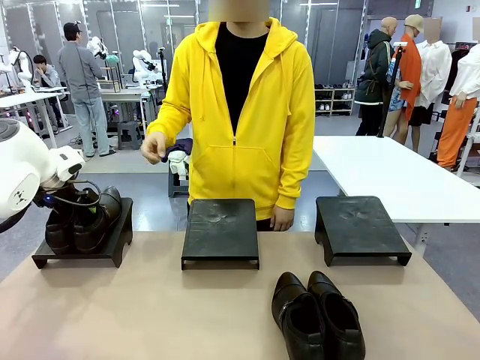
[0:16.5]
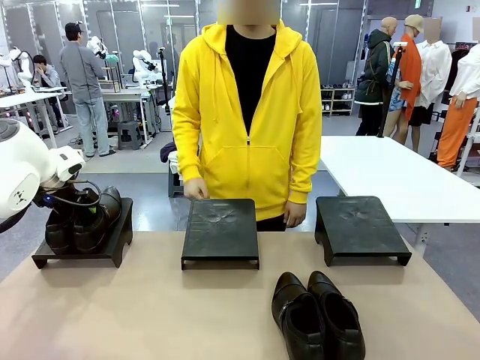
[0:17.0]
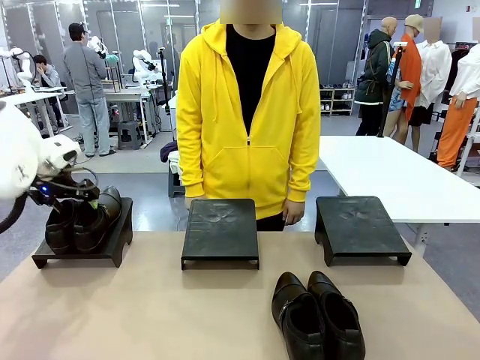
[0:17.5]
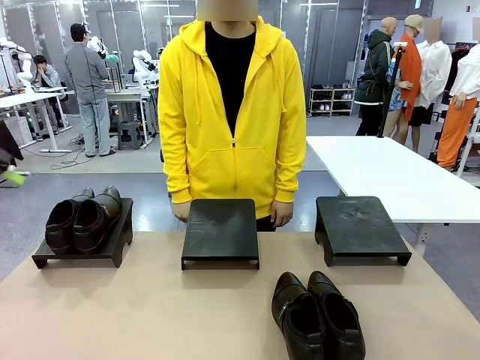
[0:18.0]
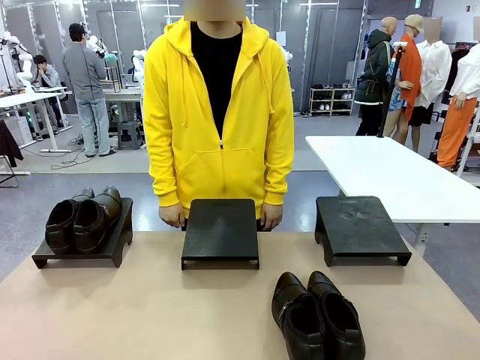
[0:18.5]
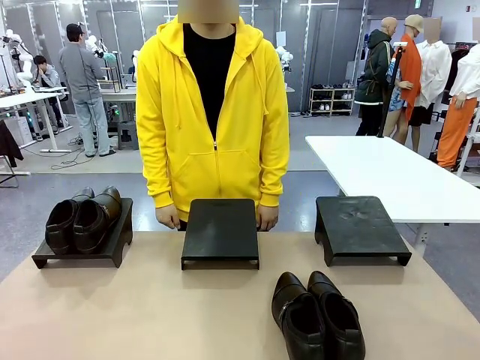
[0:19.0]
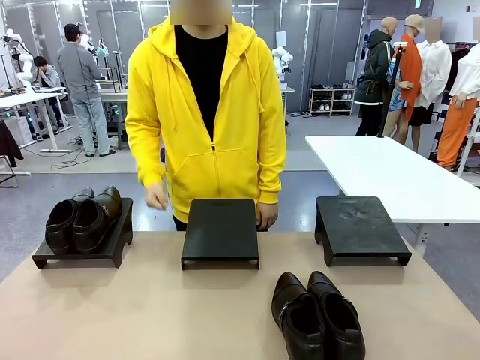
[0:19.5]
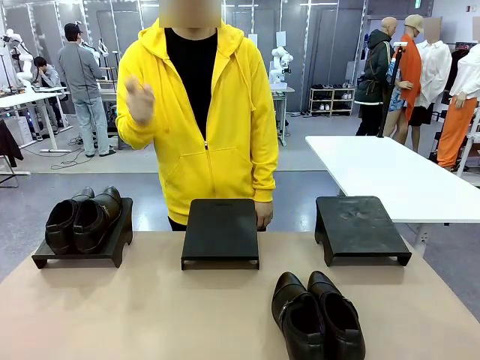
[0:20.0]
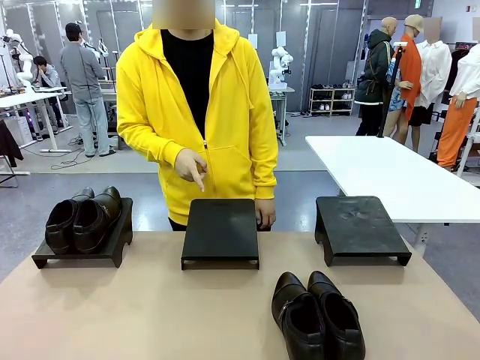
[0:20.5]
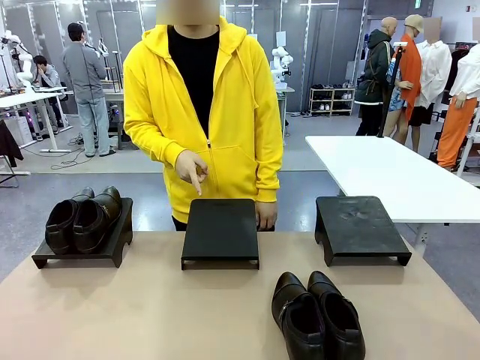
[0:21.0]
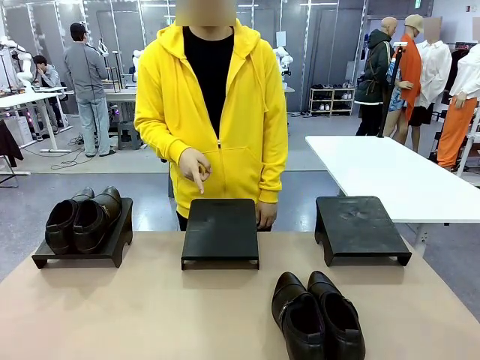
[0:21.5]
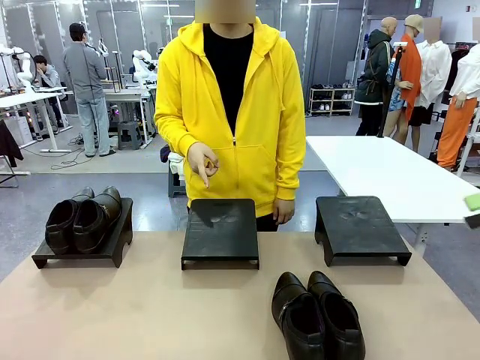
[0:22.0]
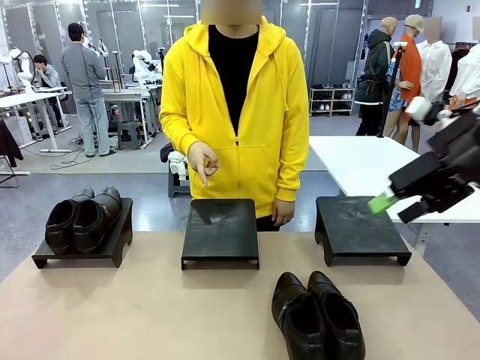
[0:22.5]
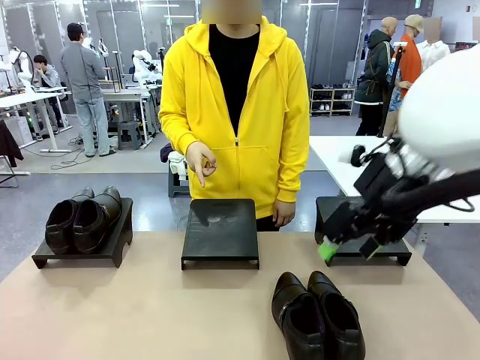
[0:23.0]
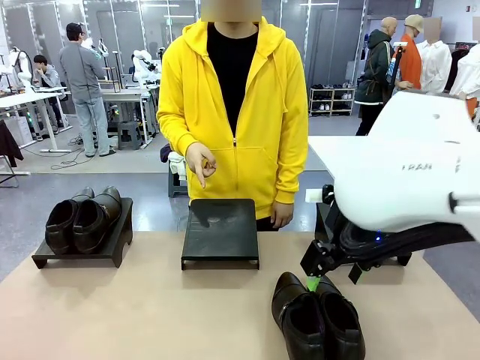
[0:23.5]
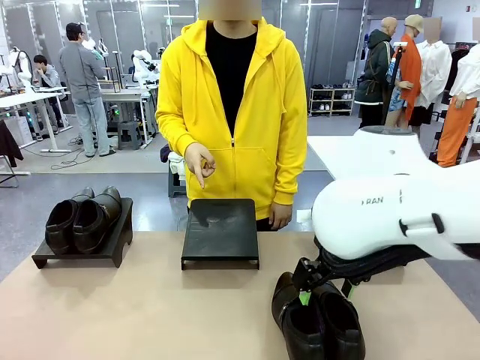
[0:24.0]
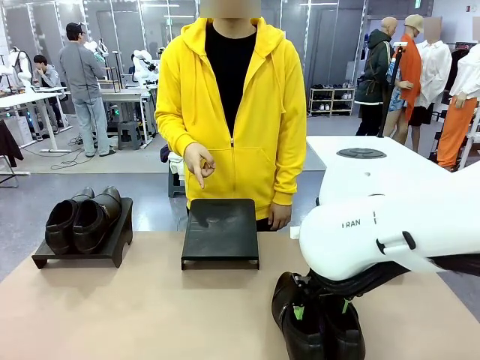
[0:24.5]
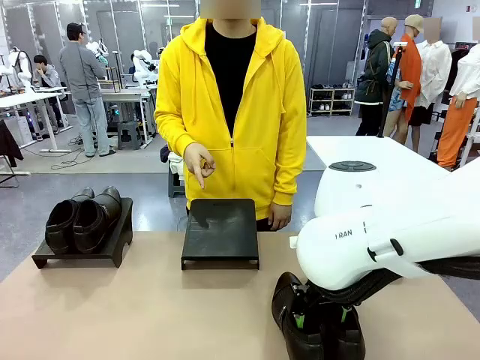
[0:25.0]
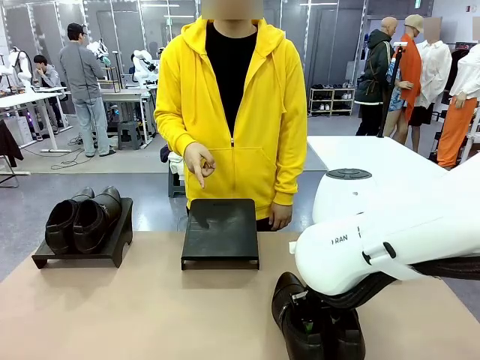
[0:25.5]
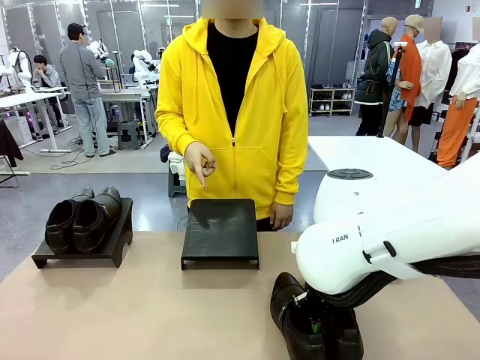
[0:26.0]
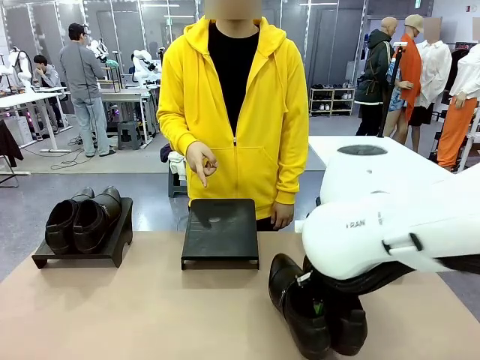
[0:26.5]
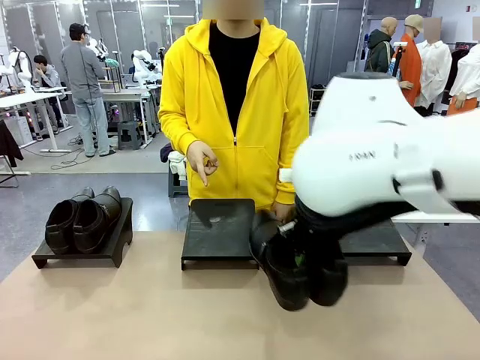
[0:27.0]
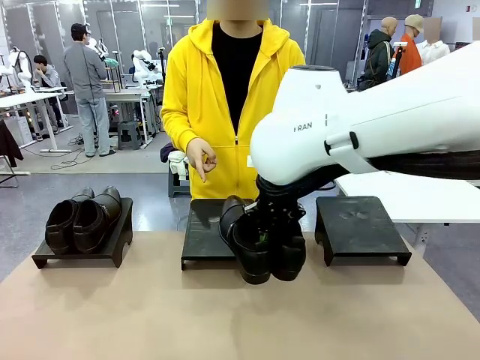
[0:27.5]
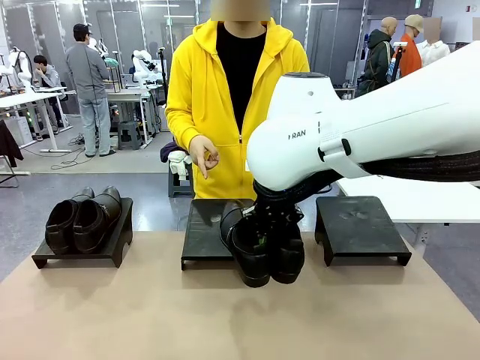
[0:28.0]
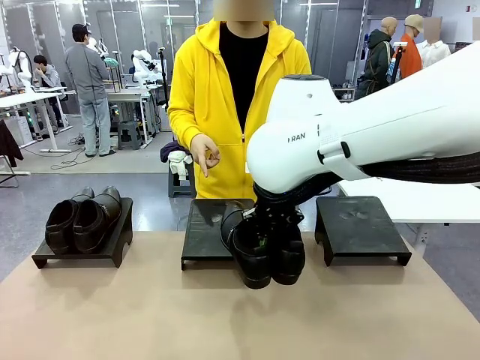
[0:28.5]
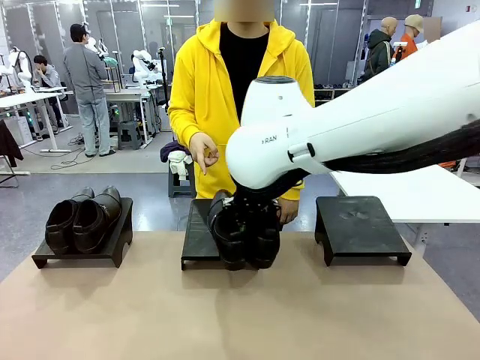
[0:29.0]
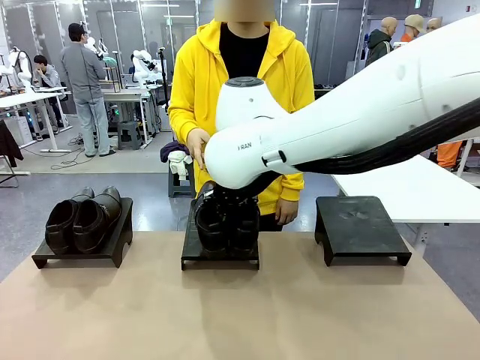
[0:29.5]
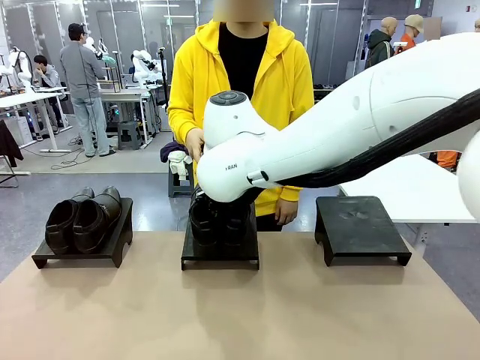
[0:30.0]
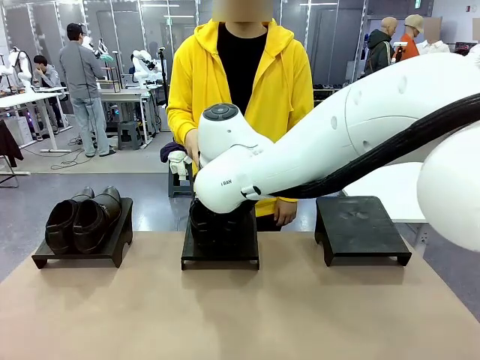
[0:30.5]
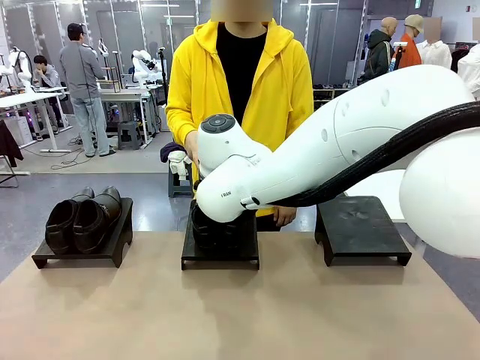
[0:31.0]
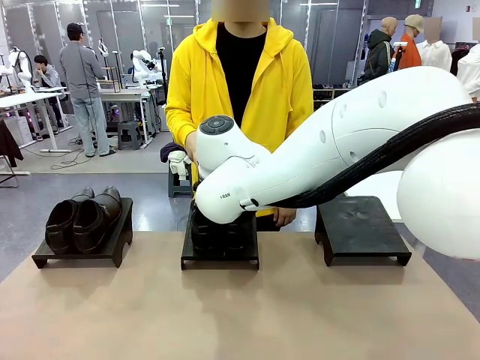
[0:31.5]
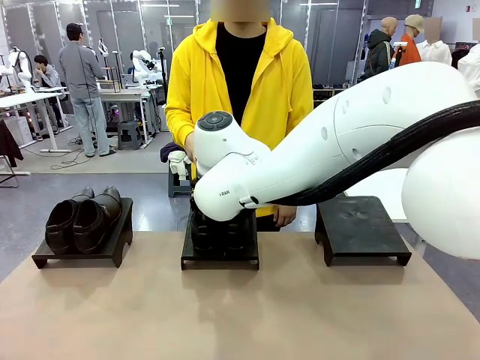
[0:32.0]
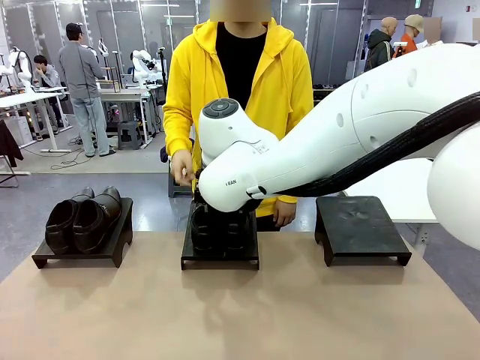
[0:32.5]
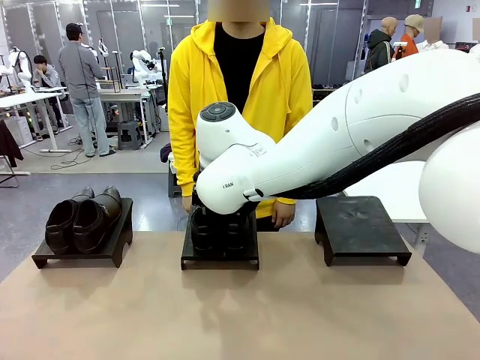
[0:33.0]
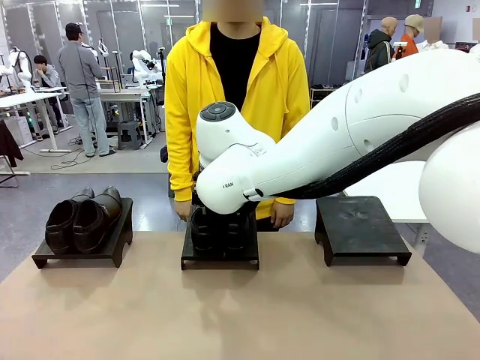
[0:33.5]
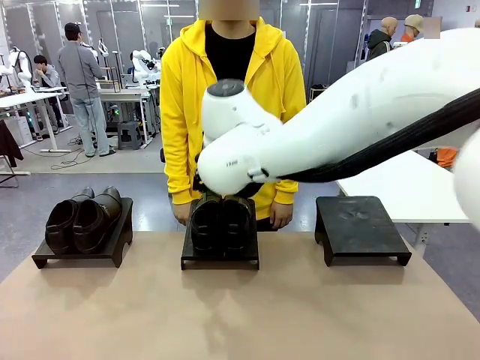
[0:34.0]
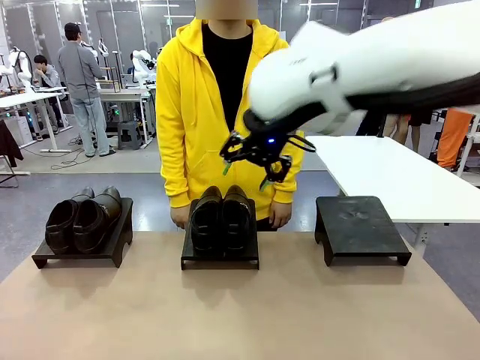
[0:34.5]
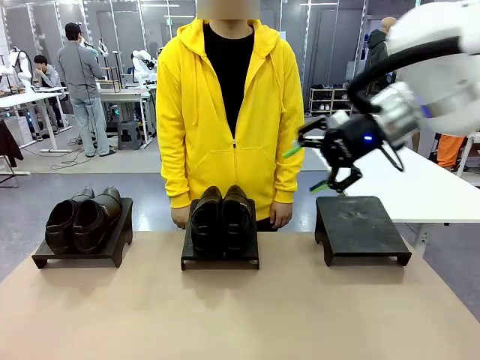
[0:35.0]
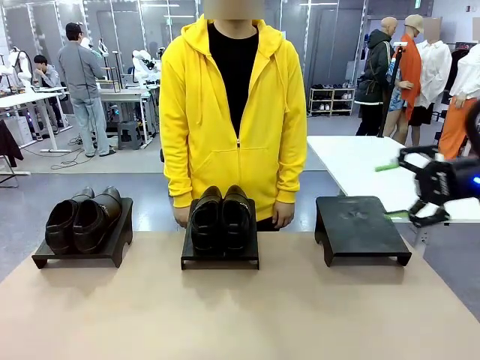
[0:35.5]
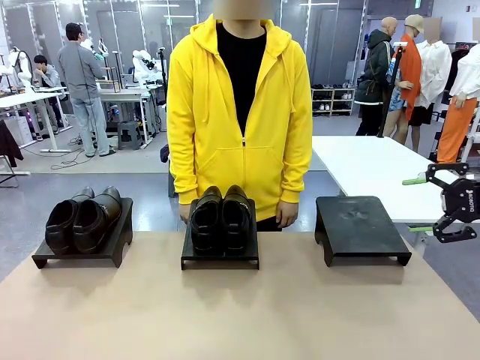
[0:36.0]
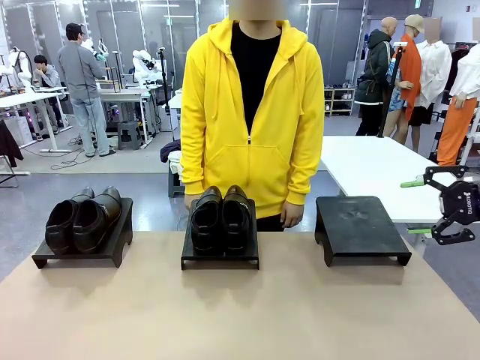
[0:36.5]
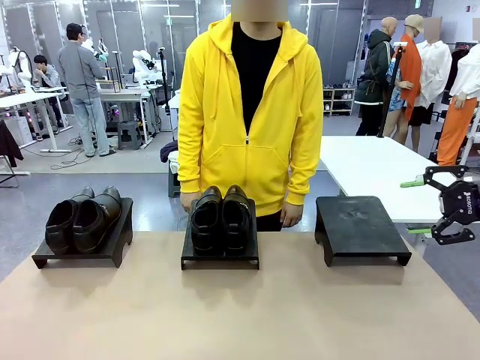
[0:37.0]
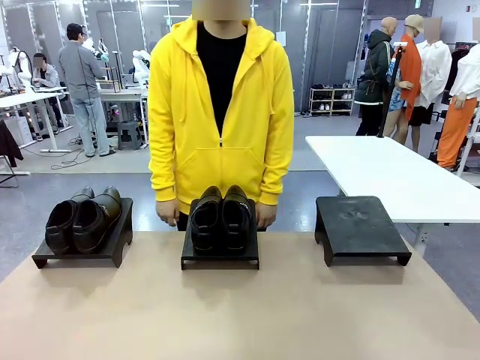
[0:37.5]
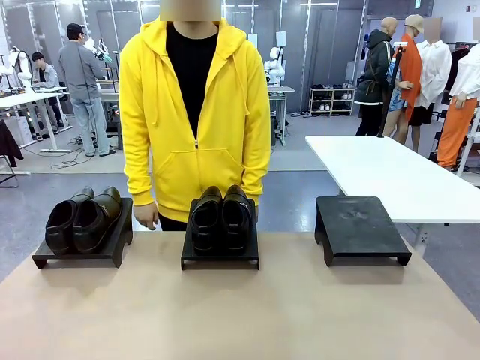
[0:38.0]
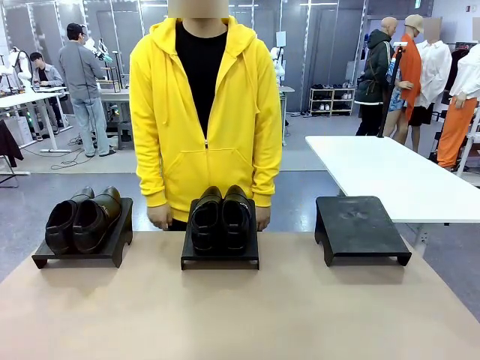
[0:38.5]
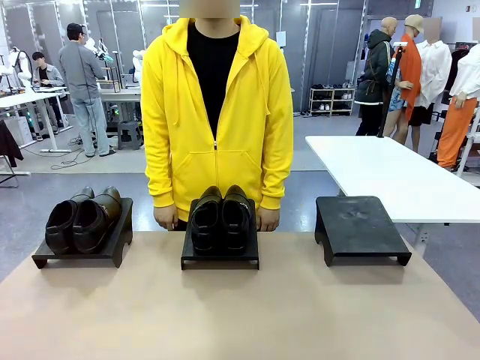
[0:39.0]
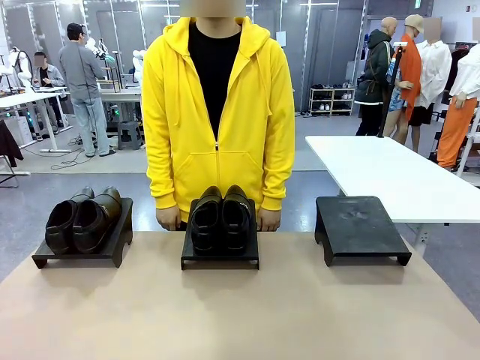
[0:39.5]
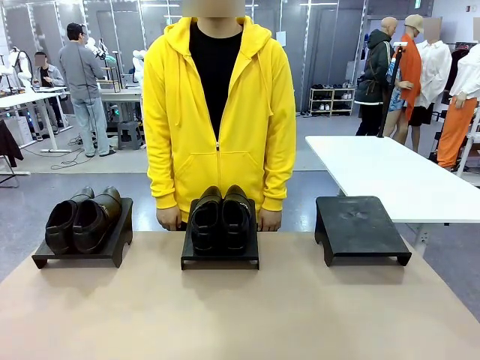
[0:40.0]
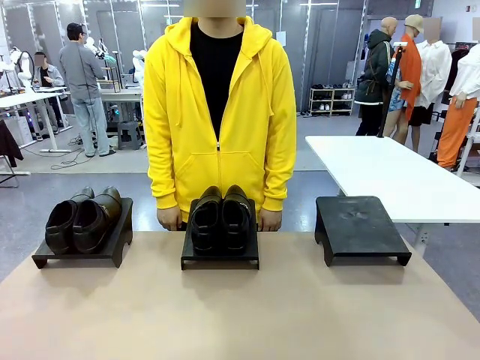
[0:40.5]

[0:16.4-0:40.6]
Task: Place the shoes on the stand as instructed by the person.
Robot: Pick up another pair of Shoes and place it on the Shoes Stand indicated by the person.
Person: Point to one Shoes Stand.
